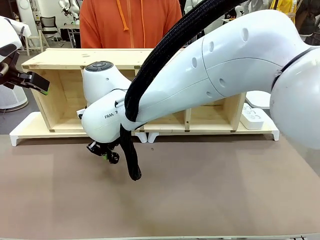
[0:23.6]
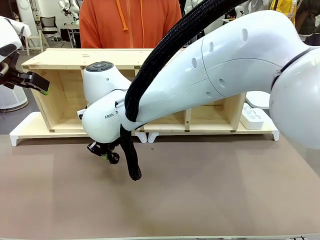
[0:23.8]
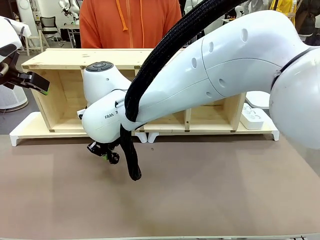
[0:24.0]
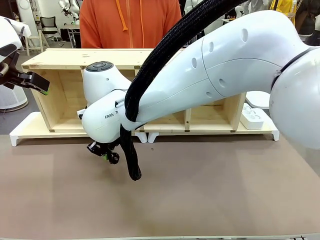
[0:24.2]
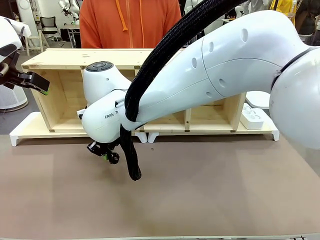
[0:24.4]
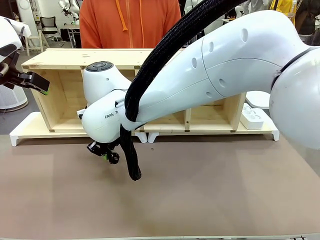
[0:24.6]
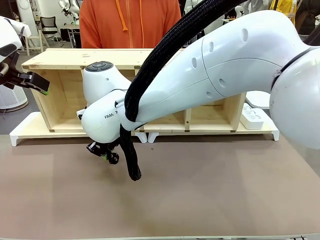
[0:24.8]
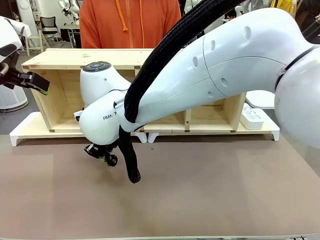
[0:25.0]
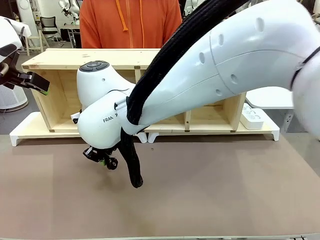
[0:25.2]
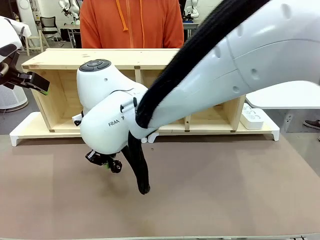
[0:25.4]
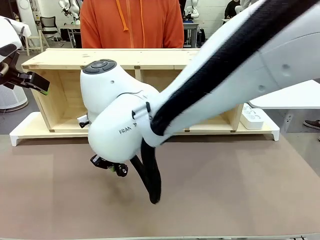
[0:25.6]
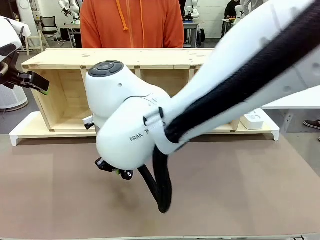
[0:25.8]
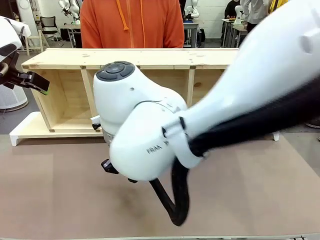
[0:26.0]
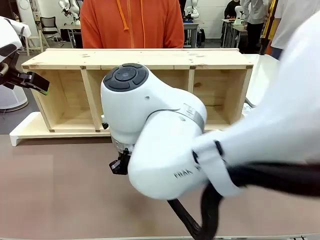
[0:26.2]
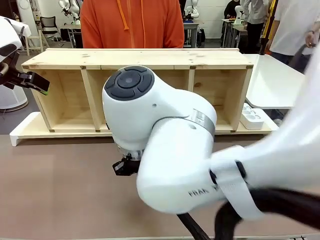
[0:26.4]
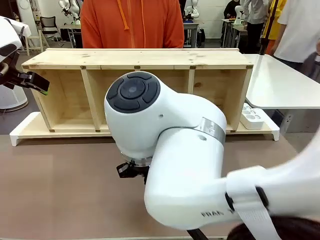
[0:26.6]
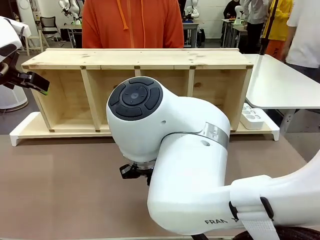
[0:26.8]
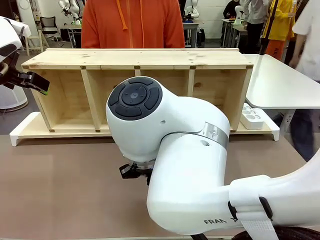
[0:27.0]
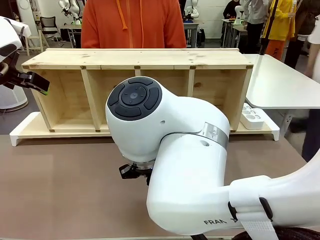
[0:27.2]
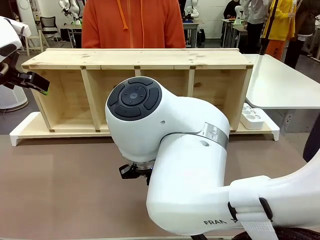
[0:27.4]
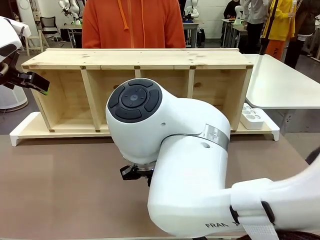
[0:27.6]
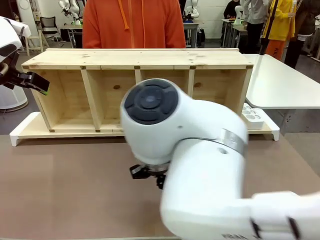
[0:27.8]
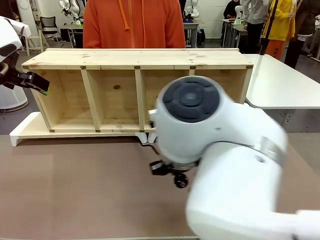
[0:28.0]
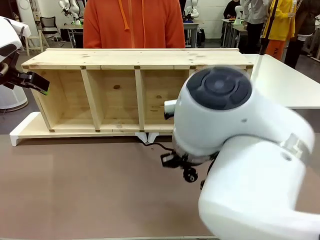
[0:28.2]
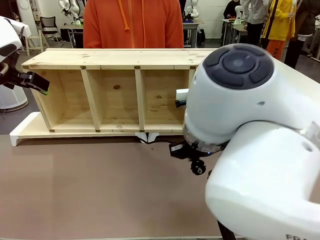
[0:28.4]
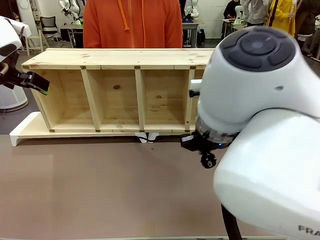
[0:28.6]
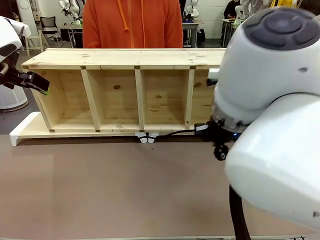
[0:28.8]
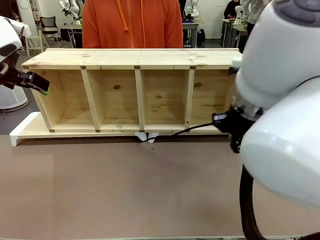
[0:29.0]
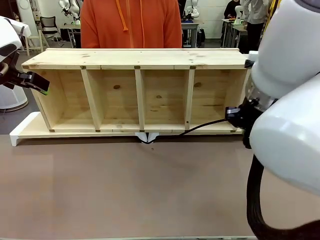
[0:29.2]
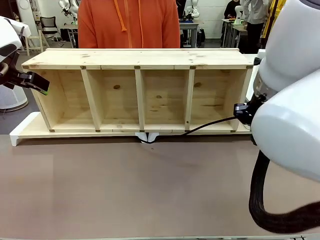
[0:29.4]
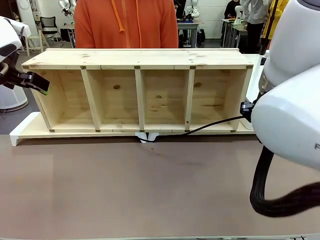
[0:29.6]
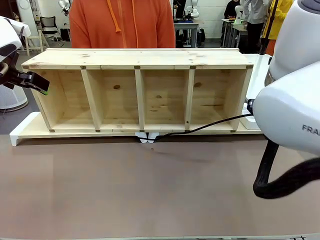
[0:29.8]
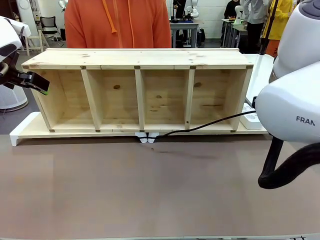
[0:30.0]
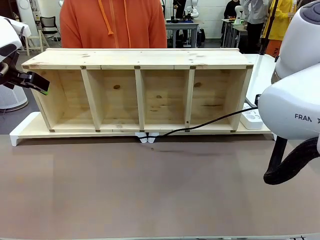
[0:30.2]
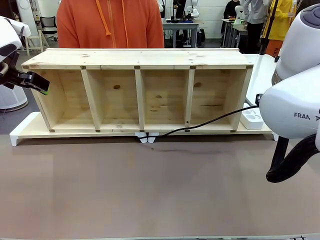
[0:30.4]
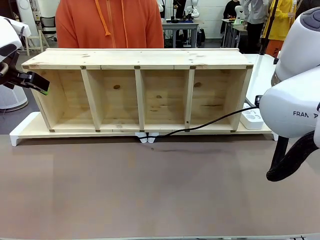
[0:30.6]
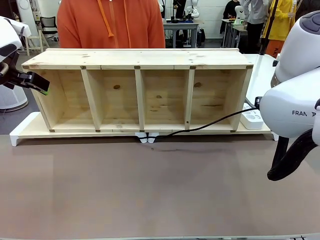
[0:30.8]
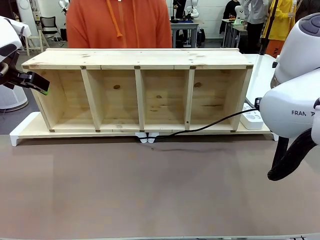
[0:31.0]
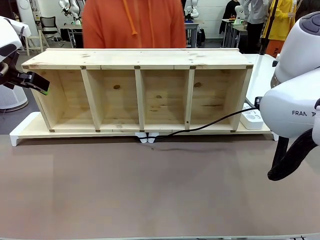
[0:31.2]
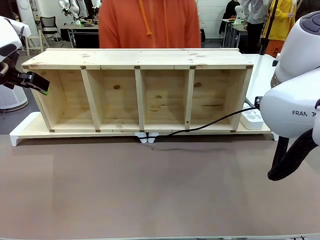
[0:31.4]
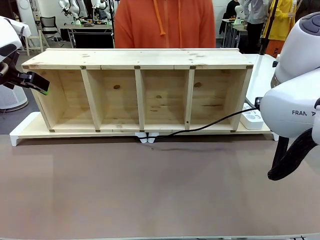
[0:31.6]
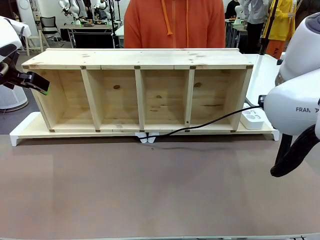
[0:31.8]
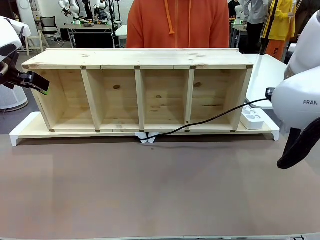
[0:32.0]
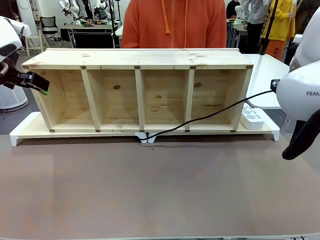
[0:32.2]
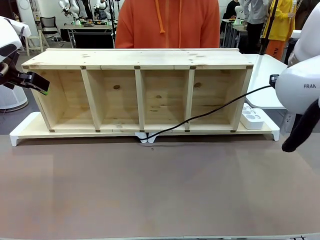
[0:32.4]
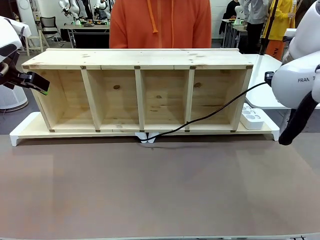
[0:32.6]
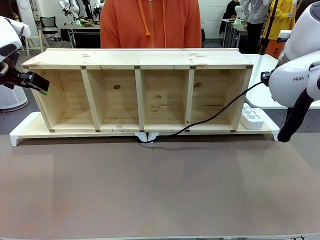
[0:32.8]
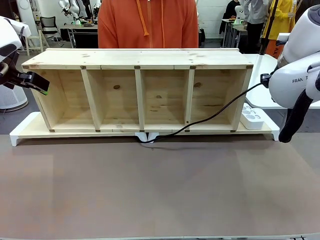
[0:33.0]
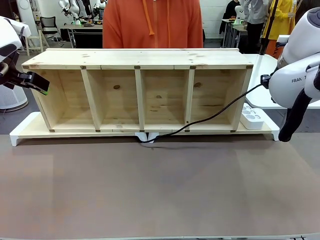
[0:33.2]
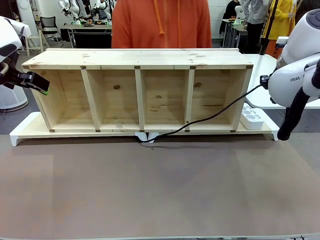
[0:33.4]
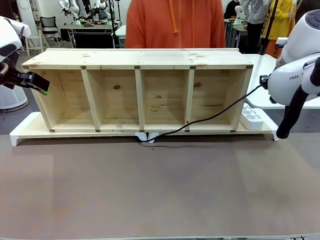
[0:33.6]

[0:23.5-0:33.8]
Task: Perform cable management.
Robot: Pull the grasped Power Cable to the location of the Power Strip.

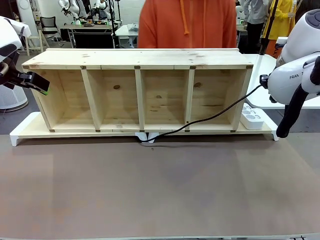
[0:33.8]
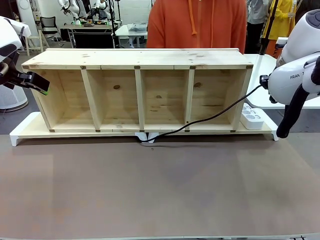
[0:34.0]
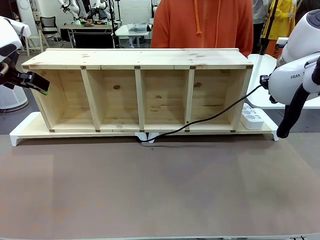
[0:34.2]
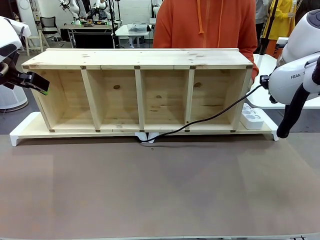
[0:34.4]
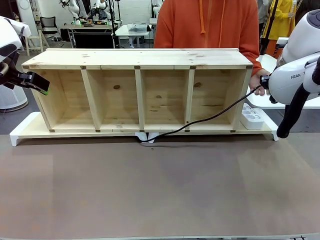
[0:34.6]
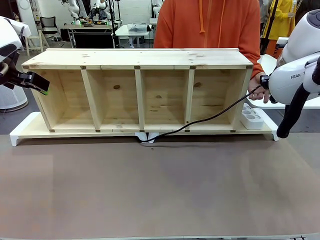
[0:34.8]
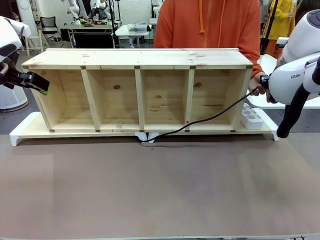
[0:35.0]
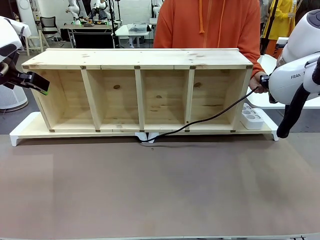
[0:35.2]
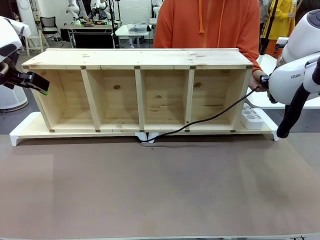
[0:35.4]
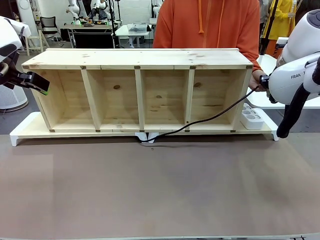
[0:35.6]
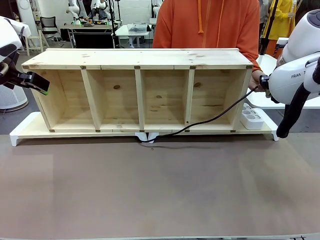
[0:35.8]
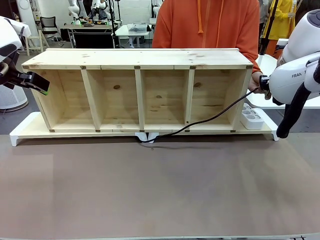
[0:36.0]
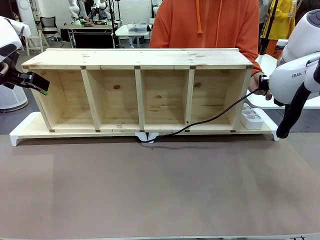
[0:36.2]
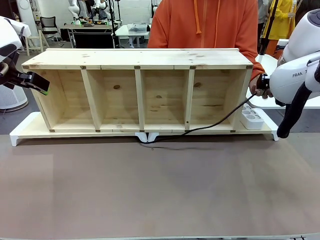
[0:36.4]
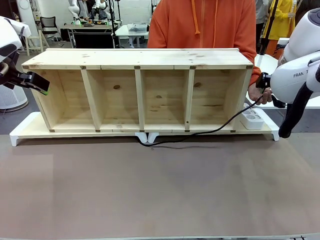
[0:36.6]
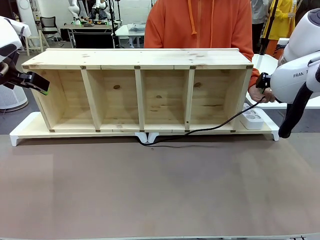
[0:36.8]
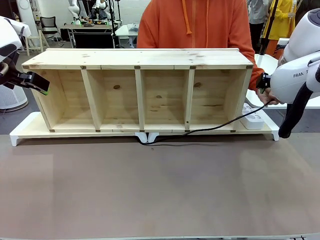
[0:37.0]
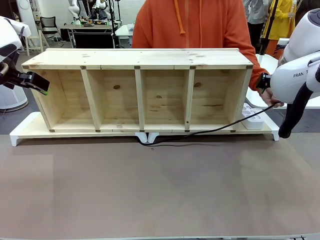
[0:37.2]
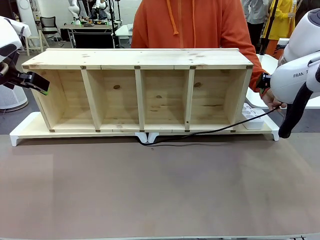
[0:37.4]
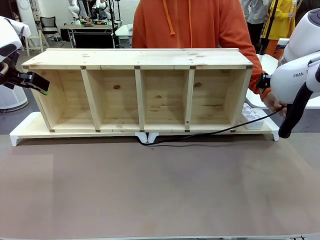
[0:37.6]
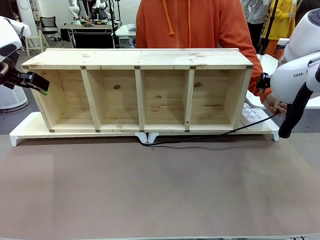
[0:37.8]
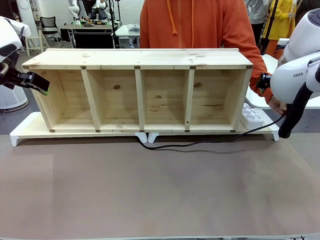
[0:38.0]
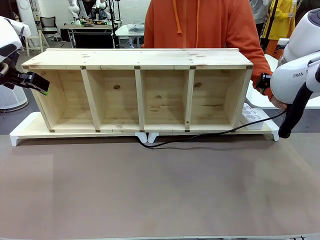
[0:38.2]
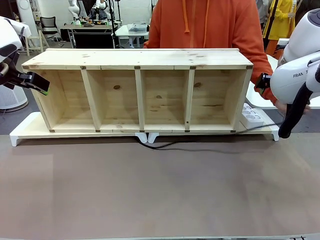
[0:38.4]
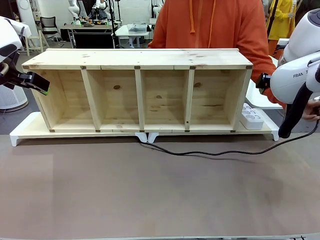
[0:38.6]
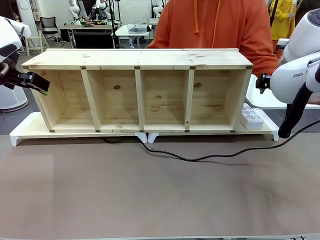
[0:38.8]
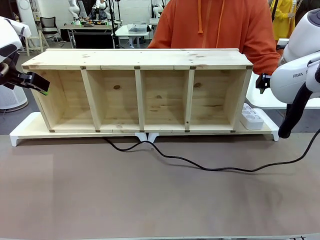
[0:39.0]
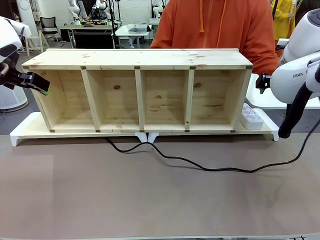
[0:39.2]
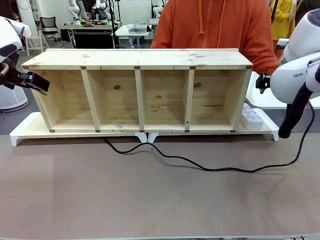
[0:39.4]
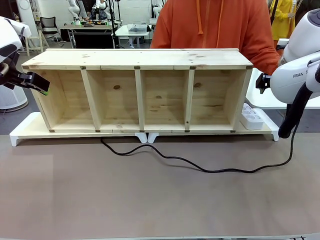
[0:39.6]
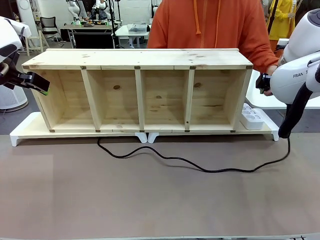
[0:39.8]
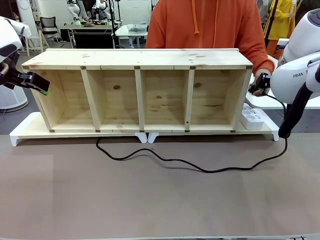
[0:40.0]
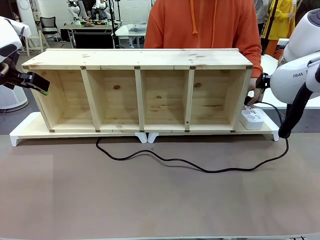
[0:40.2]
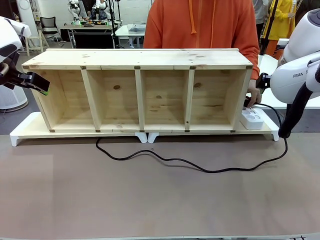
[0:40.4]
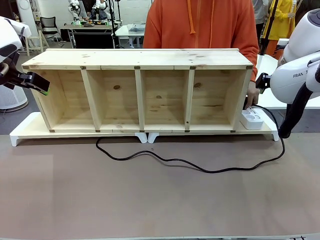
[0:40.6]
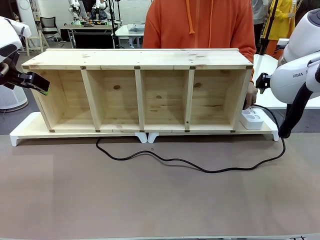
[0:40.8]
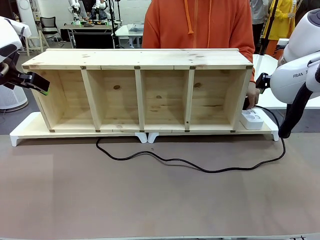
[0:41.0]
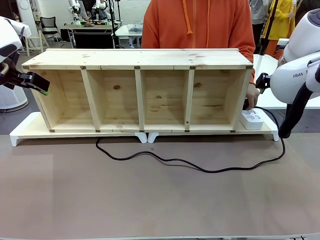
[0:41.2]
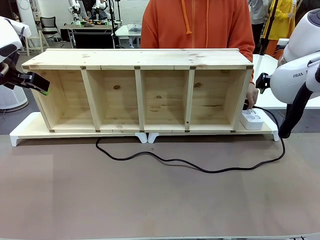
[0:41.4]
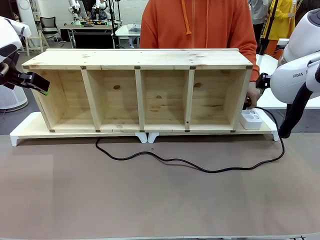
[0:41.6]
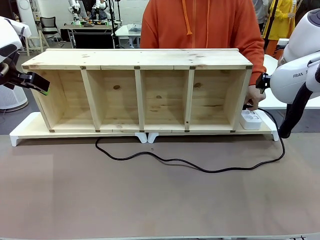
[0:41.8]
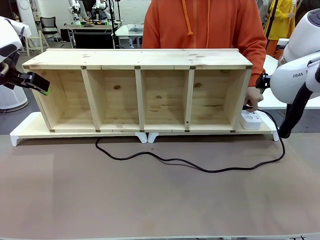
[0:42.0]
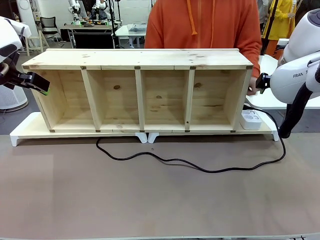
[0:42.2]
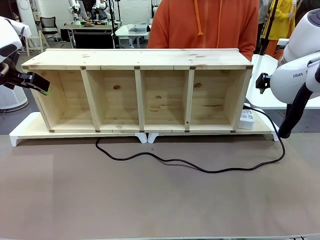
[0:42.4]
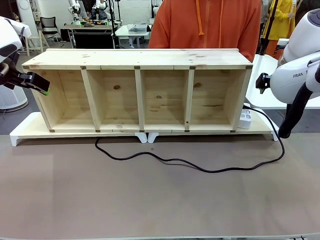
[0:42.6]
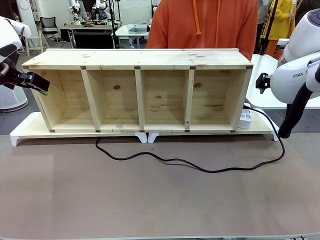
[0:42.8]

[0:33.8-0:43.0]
Robot: Release the Power Cable when the human grasps it.
Person: Plug the Power Cable into the Power Strip.
